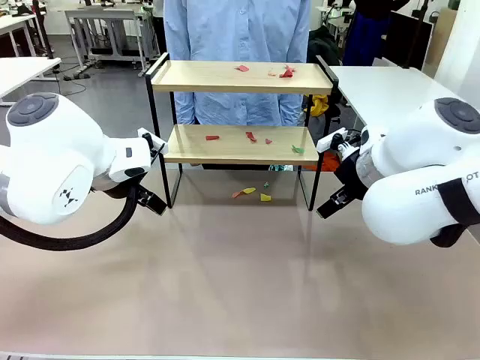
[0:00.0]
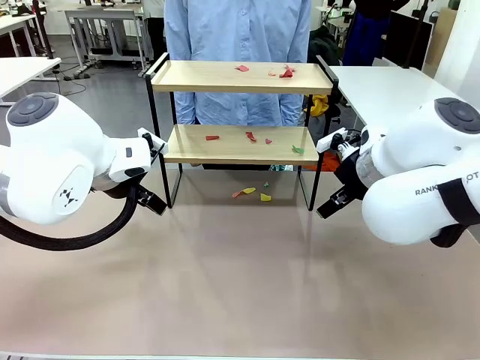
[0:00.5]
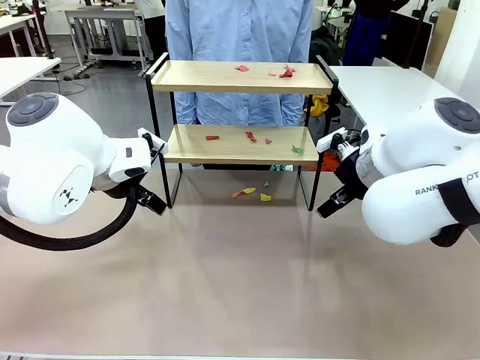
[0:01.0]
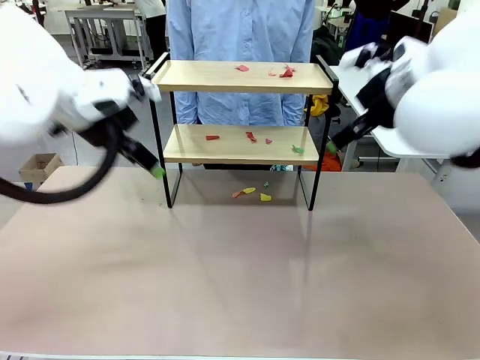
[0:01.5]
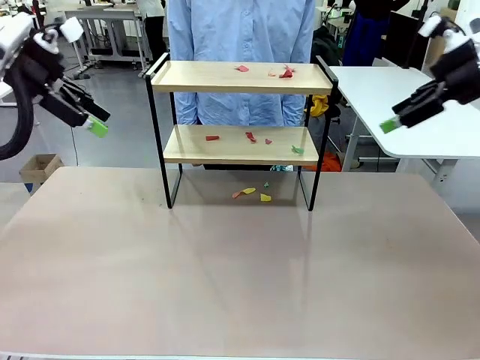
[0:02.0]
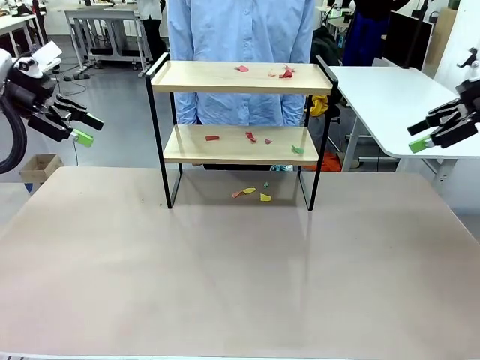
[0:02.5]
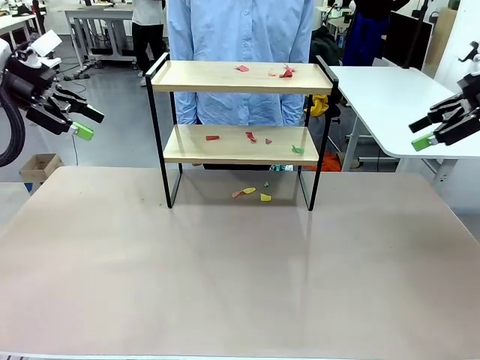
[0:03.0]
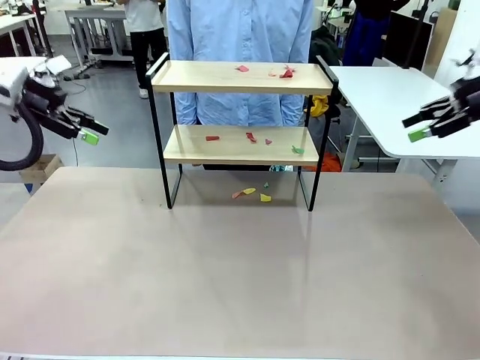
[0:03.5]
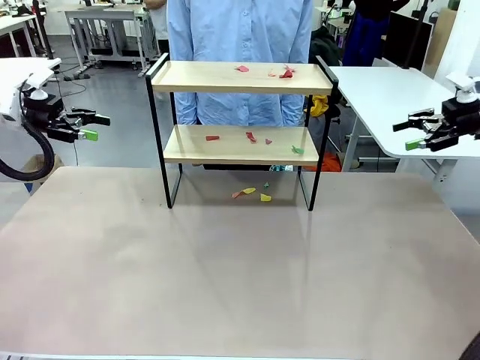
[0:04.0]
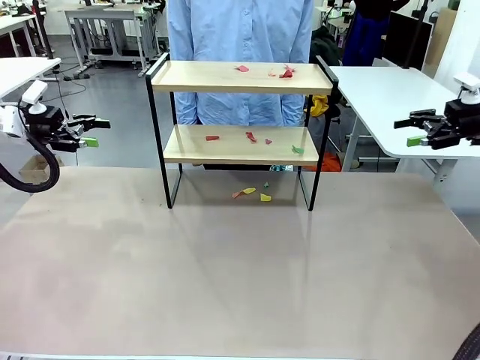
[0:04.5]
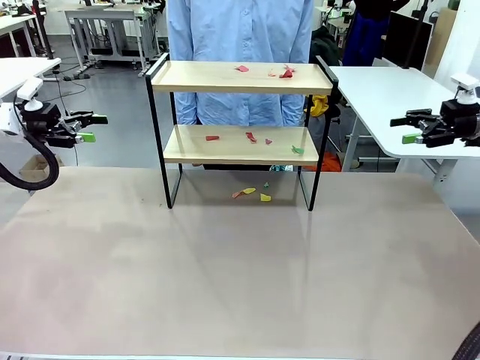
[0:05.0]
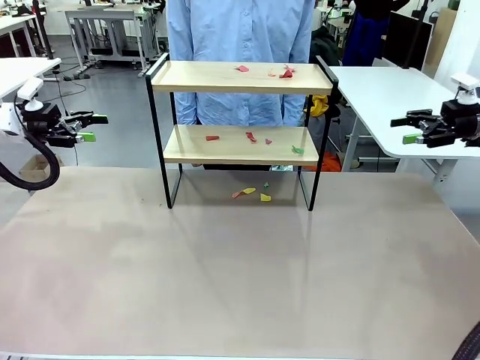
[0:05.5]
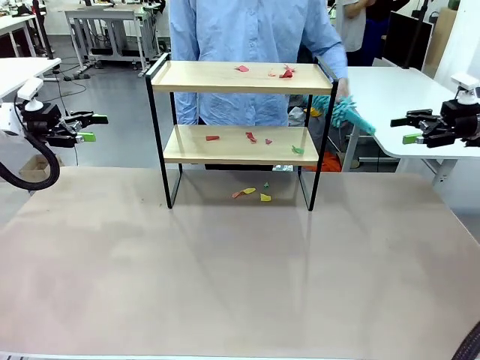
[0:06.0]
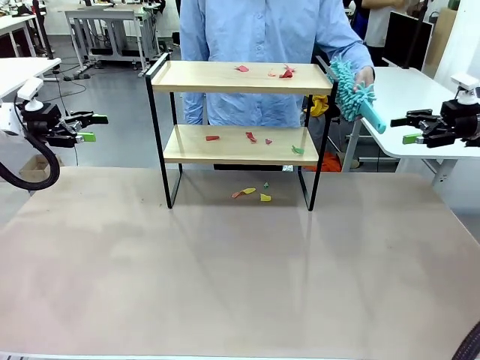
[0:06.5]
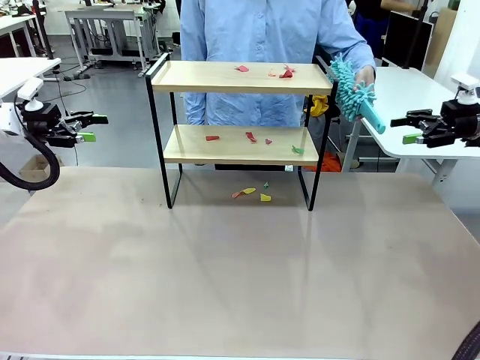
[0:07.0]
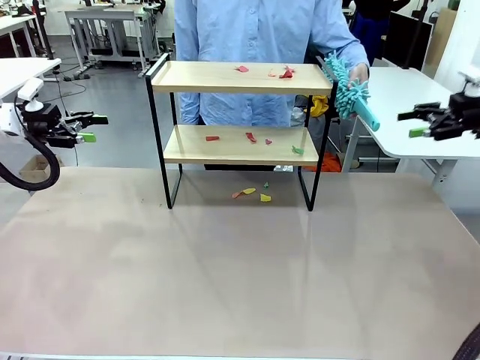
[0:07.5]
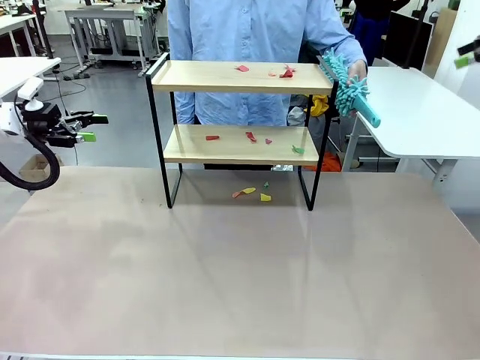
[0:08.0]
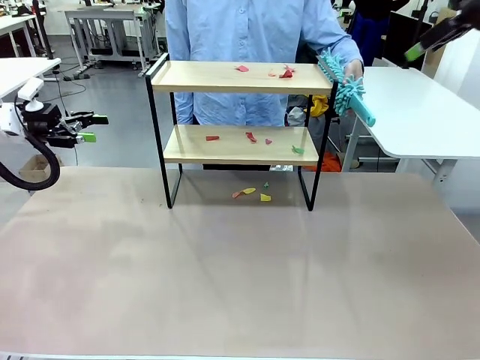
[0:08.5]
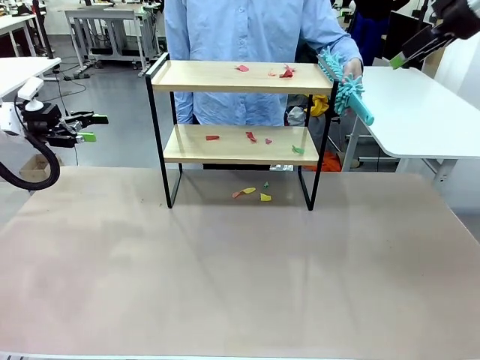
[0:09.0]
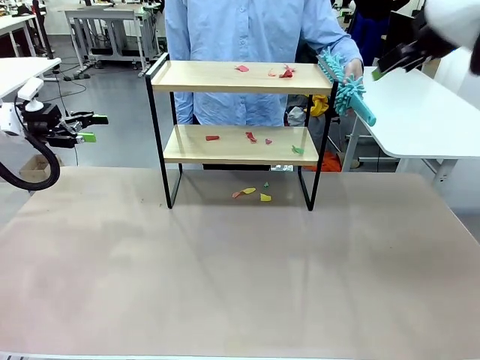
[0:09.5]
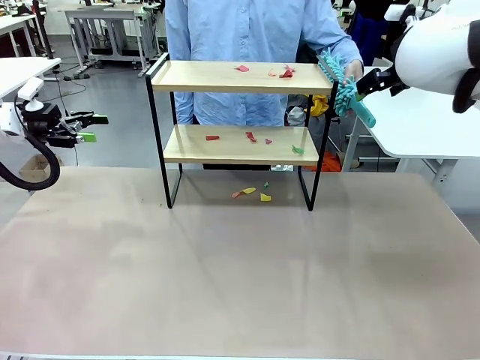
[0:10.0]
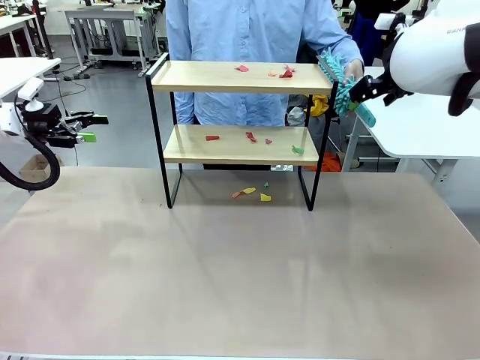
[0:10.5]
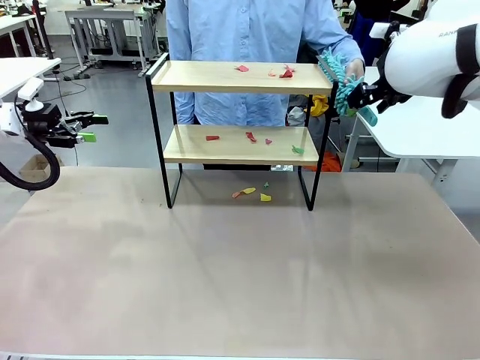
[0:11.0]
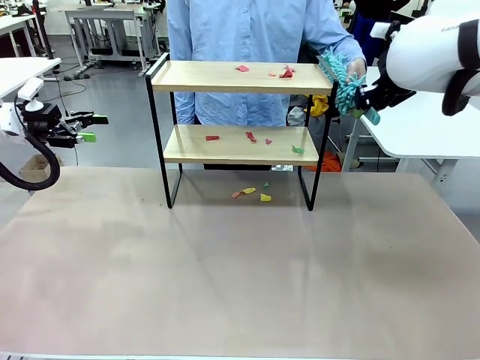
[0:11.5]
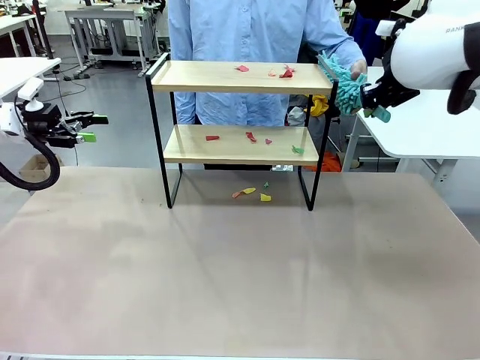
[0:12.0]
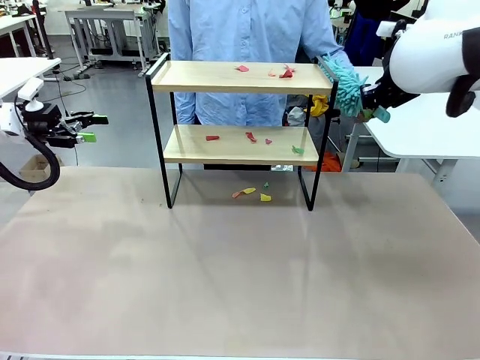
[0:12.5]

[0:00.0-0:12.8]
Task: Clean the shelf.
Robot: Pick up the Duster handed by the human.
Person: Hand the Duster to the robot.

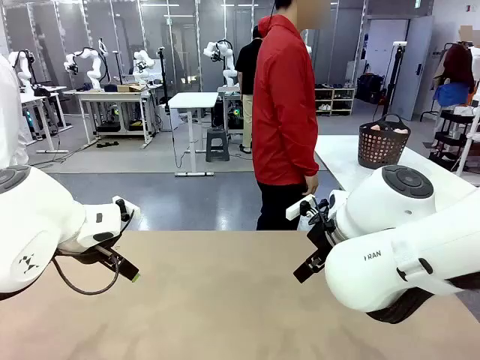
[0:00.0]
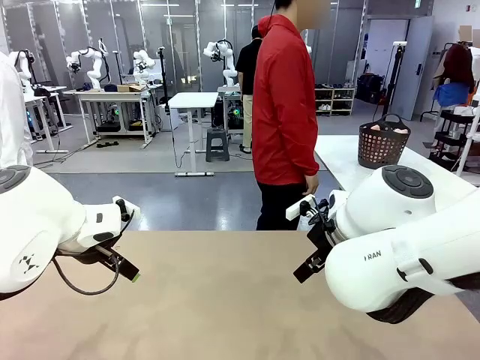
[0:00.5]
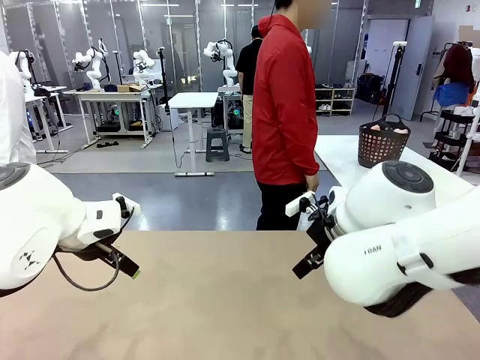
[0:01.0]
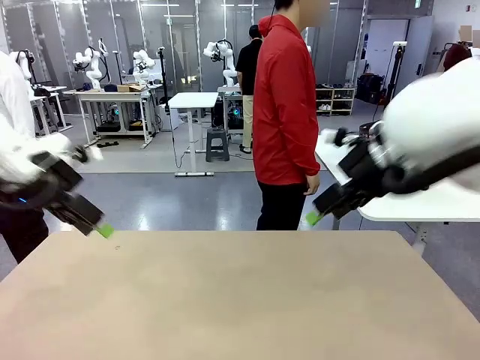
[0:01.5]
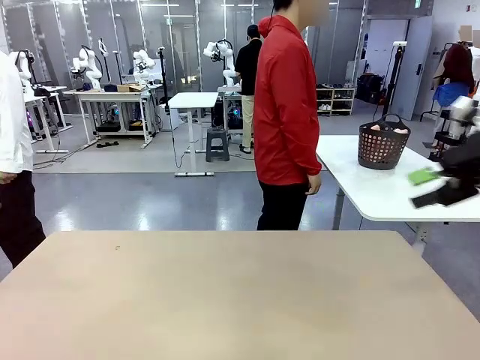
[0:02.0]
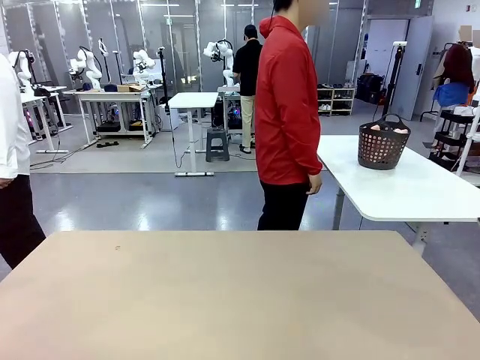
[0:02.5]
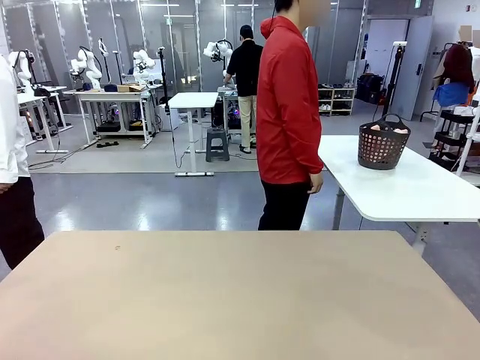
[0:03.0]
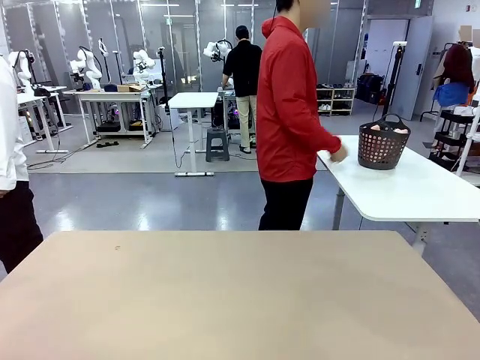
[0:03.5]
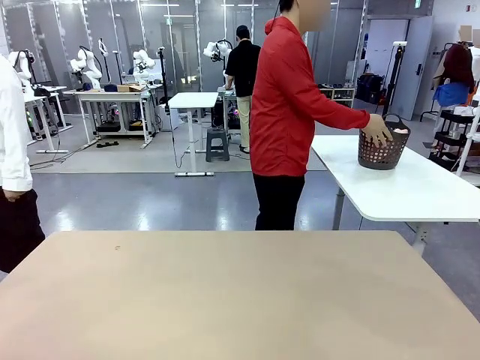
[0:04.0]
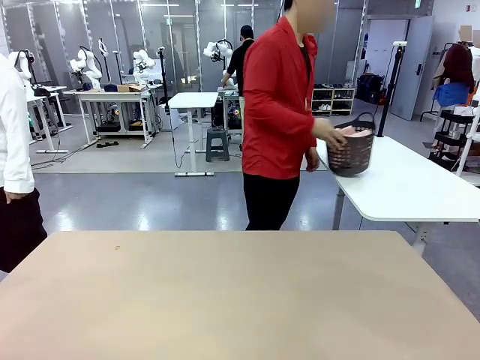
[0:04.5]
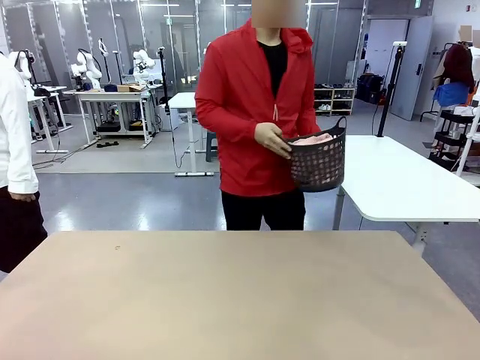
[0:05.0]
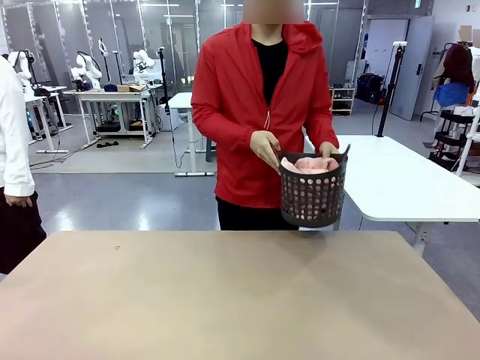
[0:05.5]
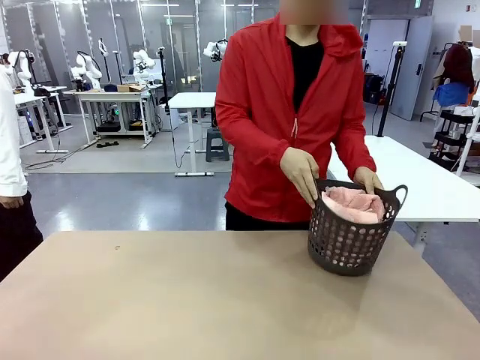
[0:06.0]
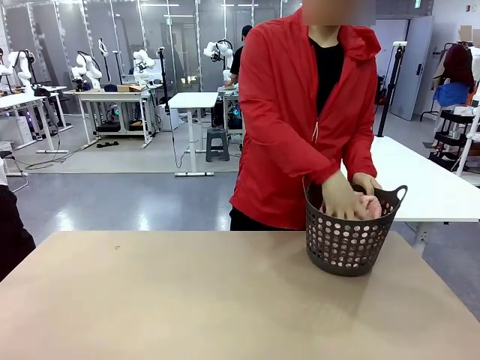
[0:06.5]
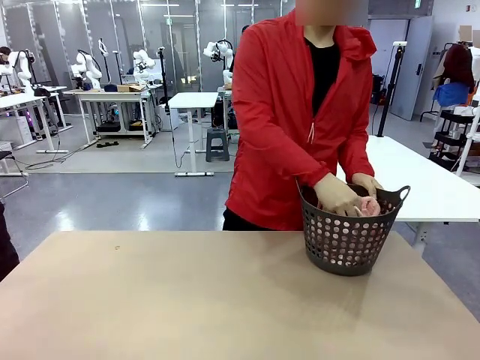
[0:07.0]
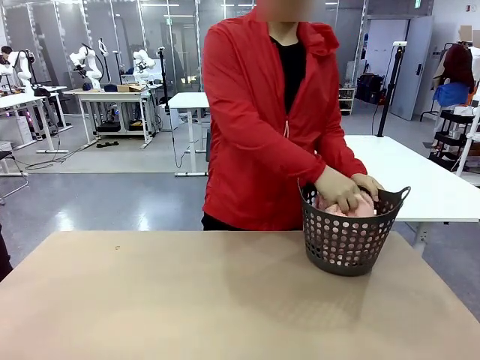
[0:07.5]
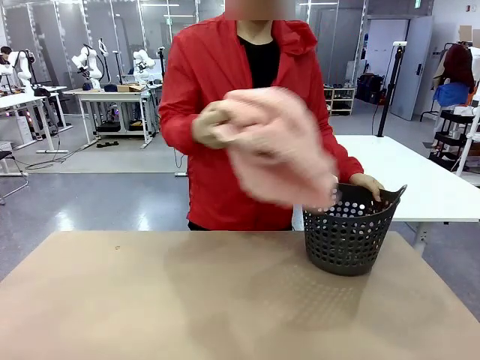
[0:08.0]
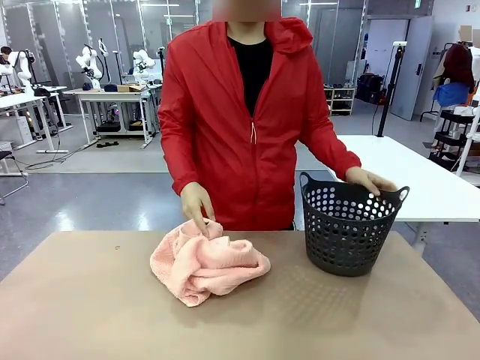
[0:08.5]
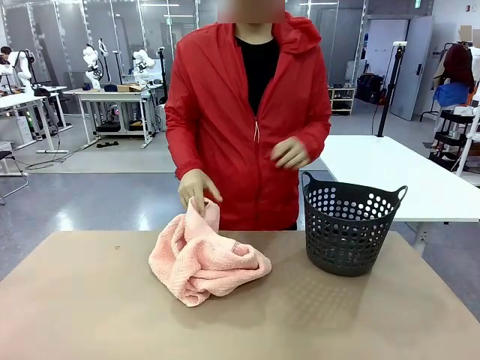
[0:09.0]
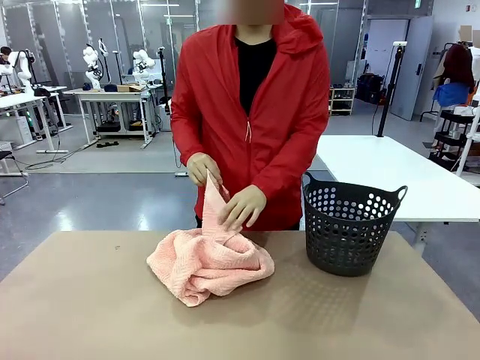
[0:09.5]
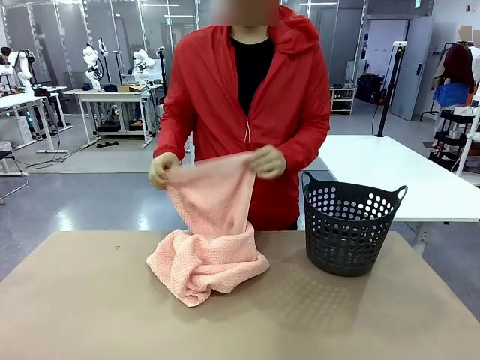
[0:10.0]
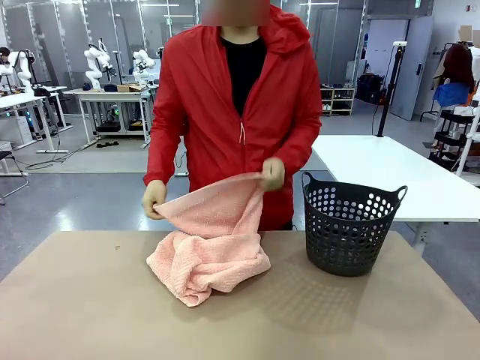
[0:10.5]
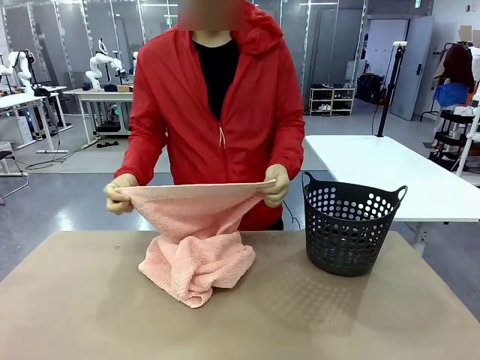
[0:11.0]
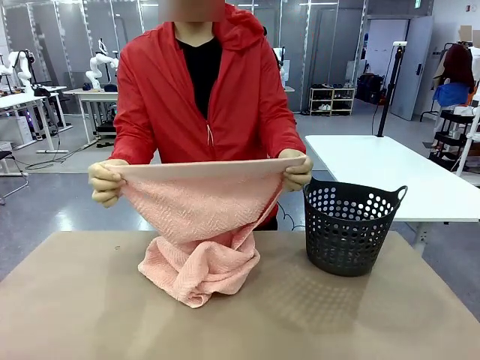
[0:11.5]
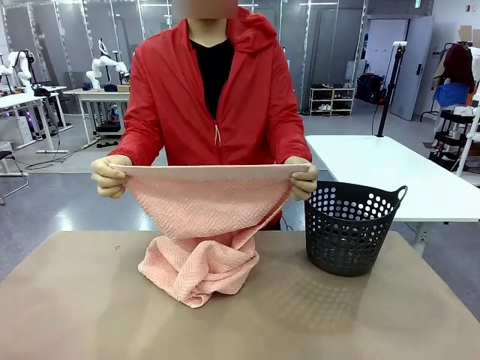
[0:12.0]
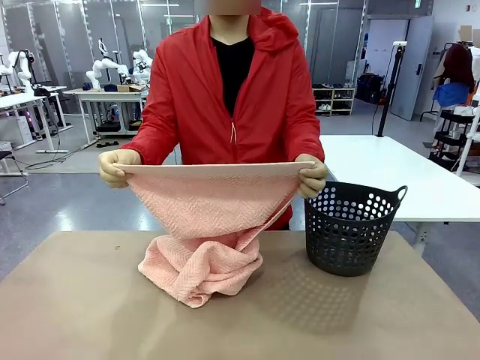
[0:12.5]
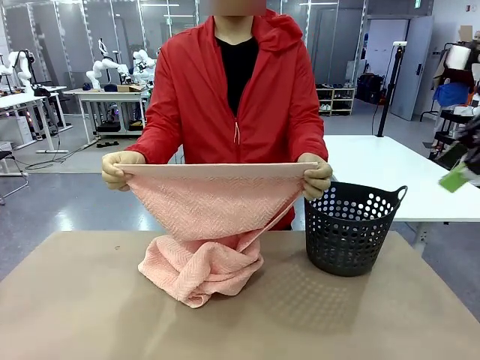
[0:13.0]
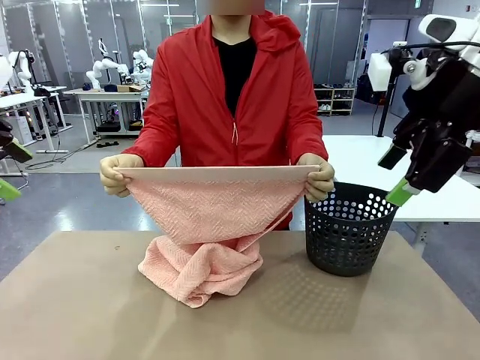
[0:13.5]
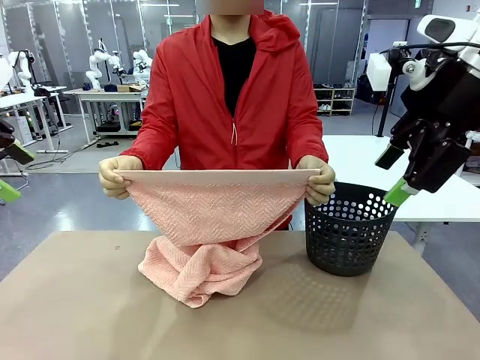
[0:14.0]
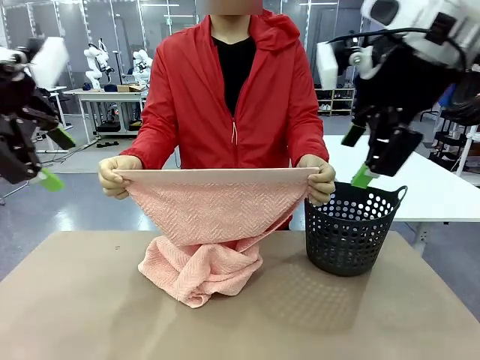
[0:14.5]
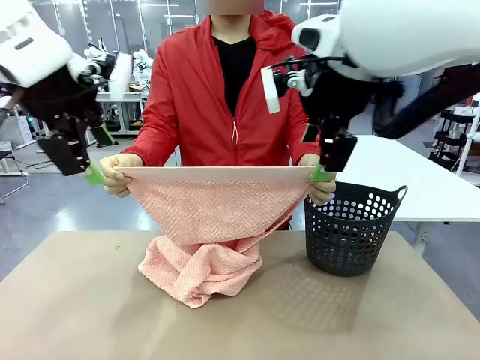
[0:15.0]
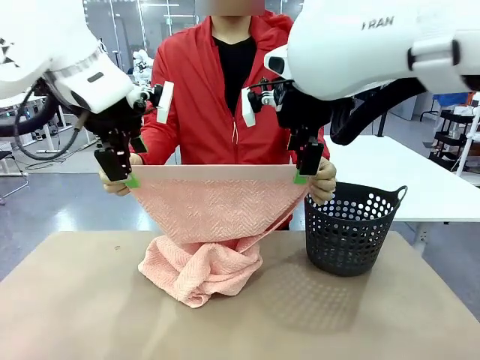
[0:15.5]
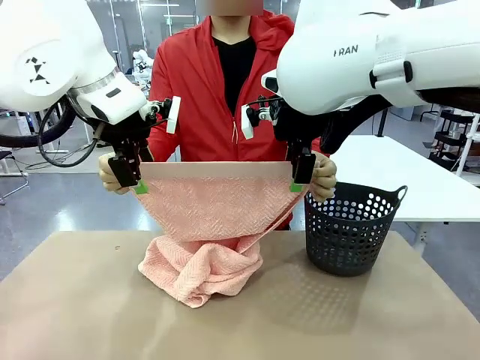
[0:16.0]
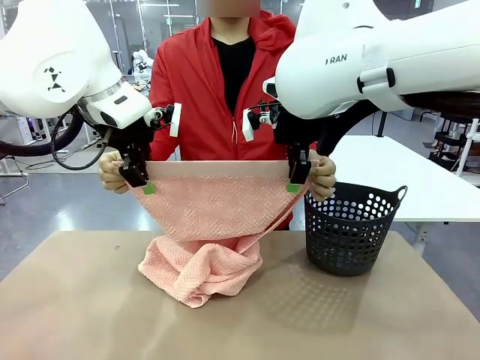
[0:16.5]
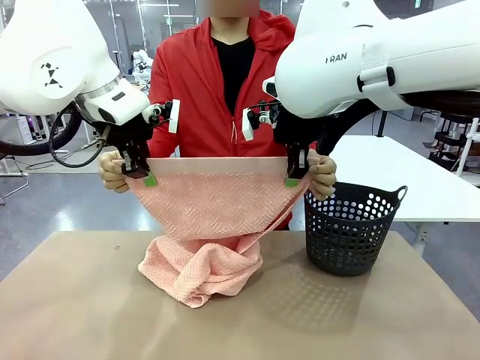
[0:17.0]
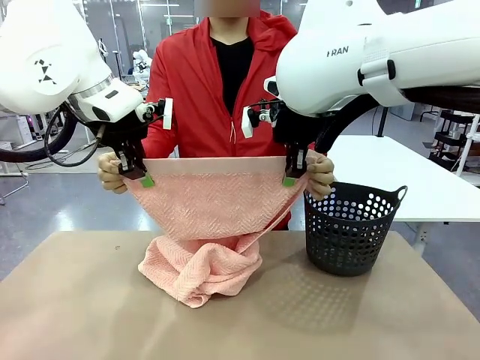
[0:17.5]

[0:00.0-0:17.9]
Task: Fold the towel.
Robot: Grab the top end of the 100 cm Hotel Towel extended by the human.
Person: Pick up the laundry basket, place it on the left side of the robot table, then take out a towel and hand it to the robot while holding both corners of one end.
